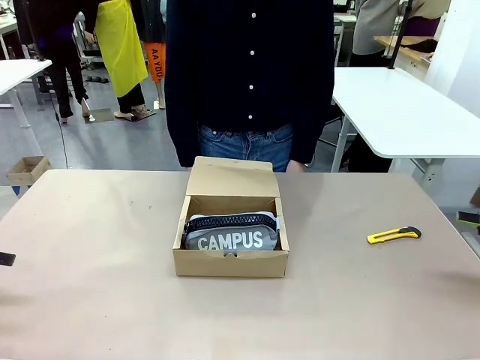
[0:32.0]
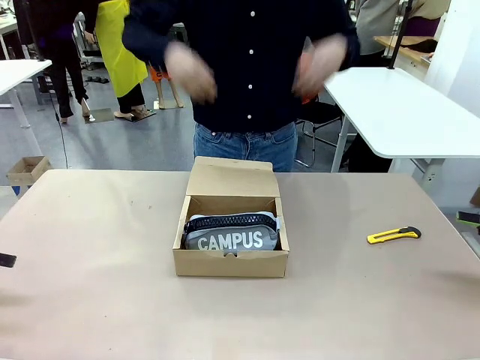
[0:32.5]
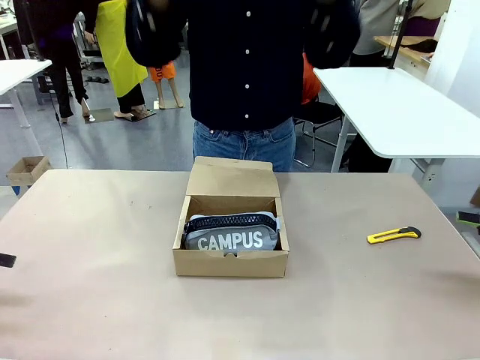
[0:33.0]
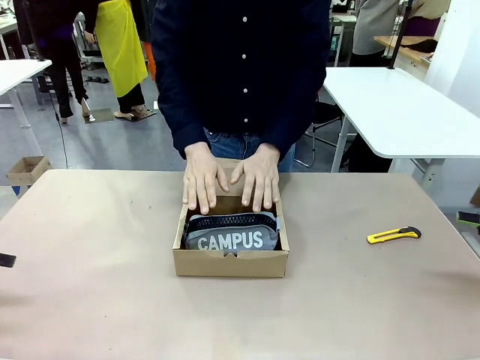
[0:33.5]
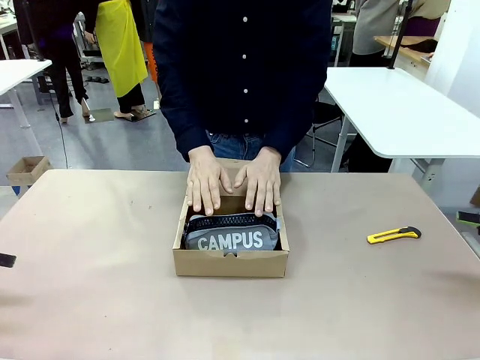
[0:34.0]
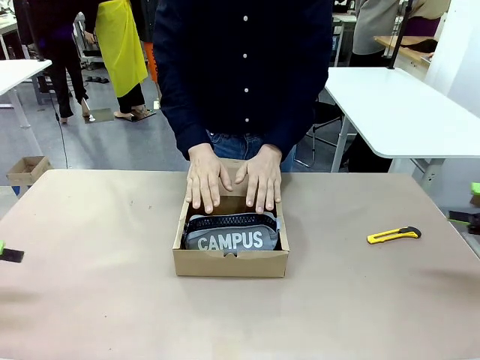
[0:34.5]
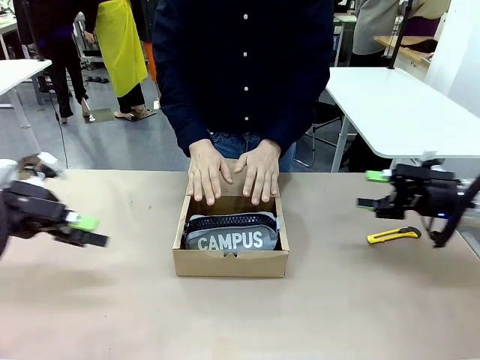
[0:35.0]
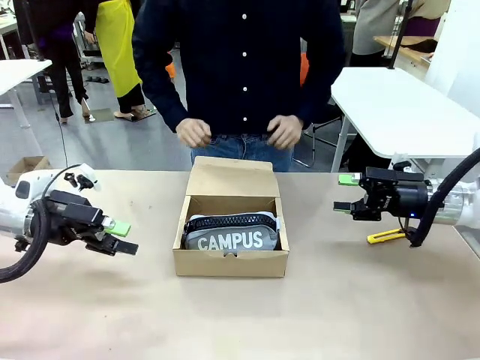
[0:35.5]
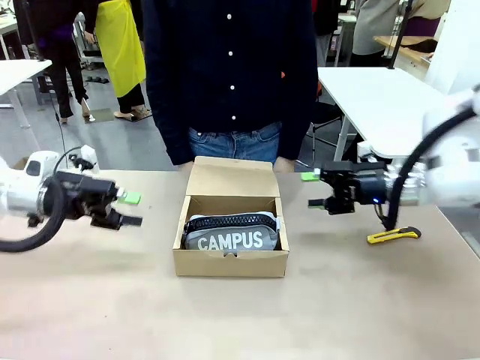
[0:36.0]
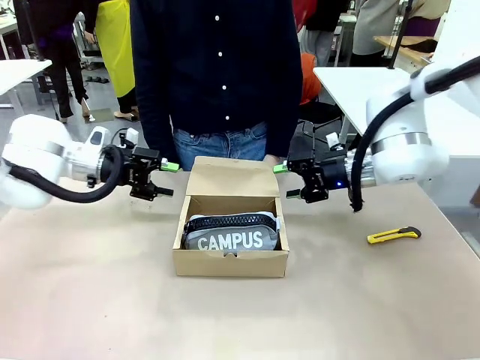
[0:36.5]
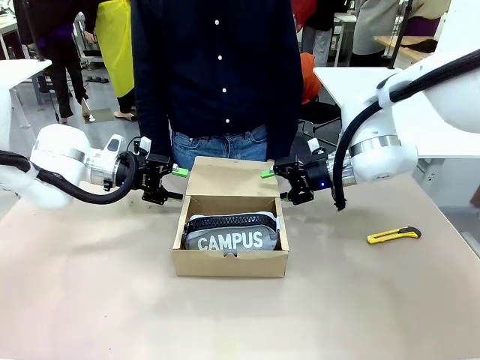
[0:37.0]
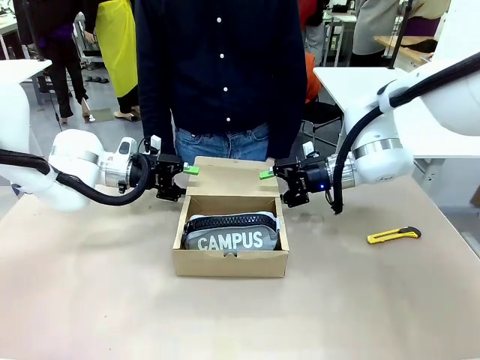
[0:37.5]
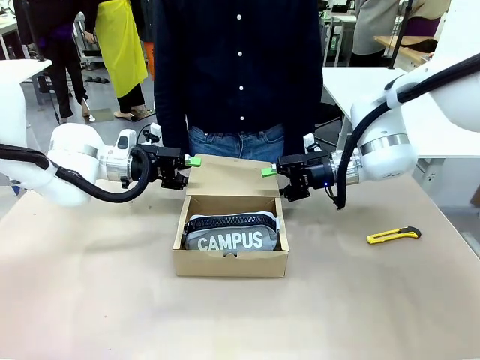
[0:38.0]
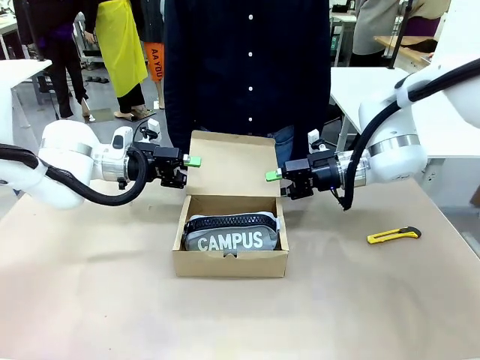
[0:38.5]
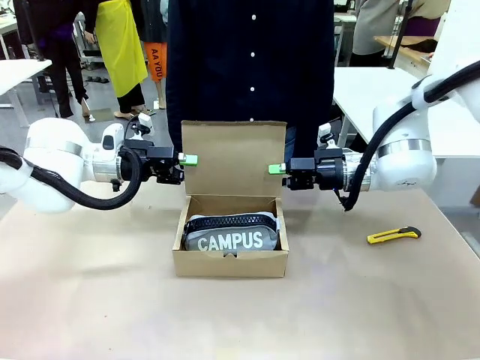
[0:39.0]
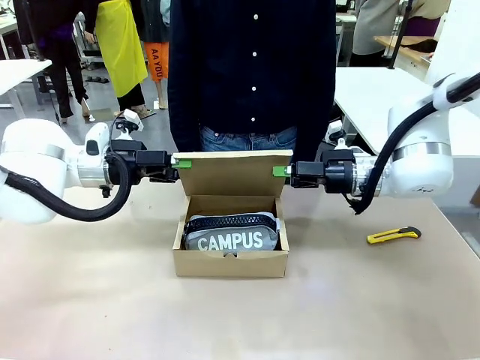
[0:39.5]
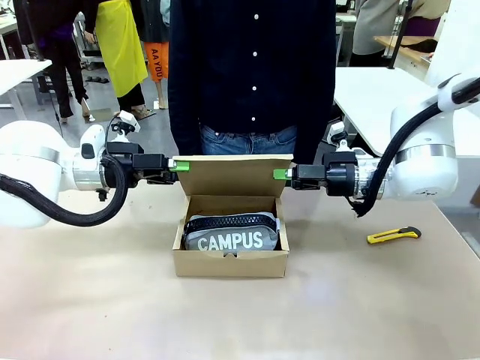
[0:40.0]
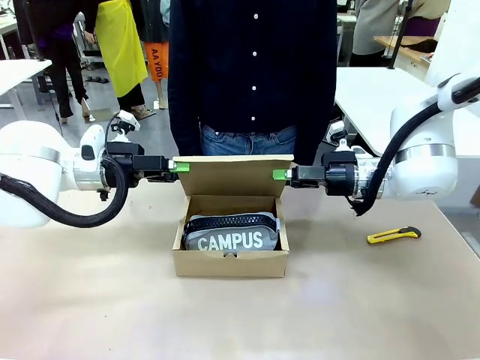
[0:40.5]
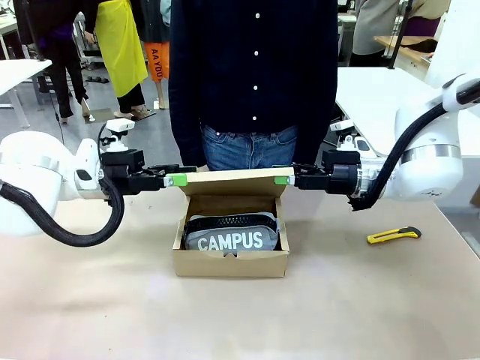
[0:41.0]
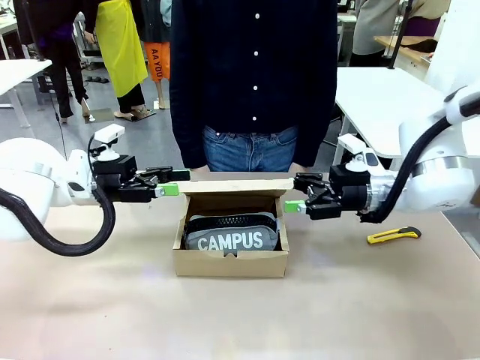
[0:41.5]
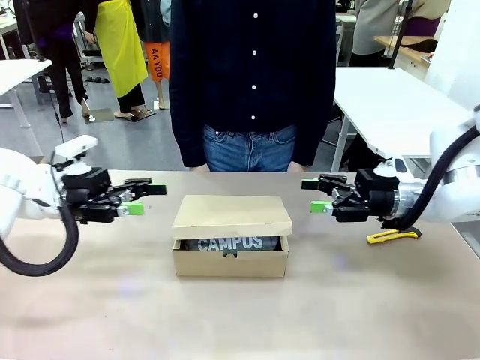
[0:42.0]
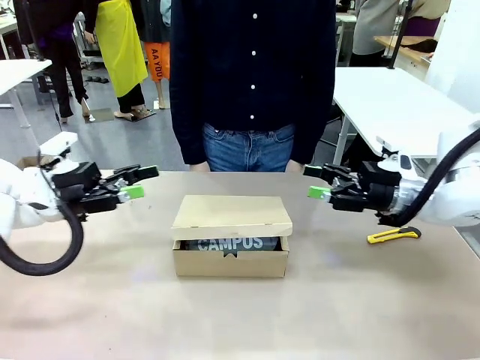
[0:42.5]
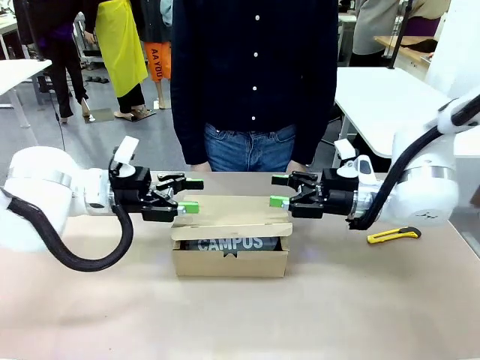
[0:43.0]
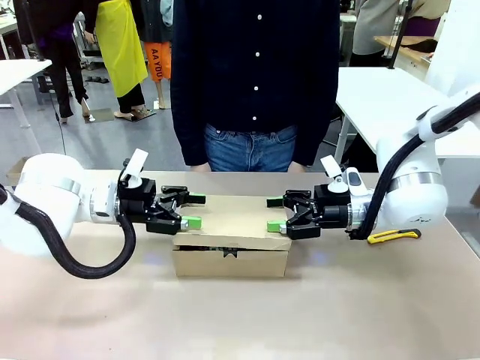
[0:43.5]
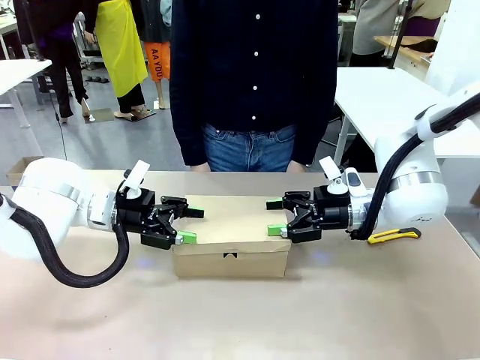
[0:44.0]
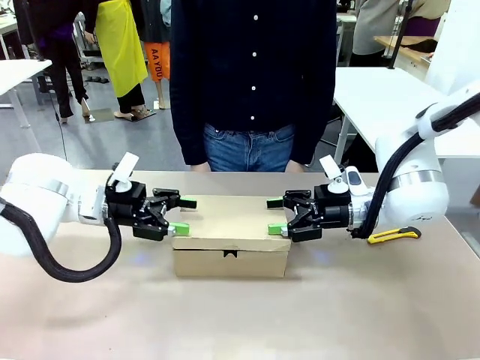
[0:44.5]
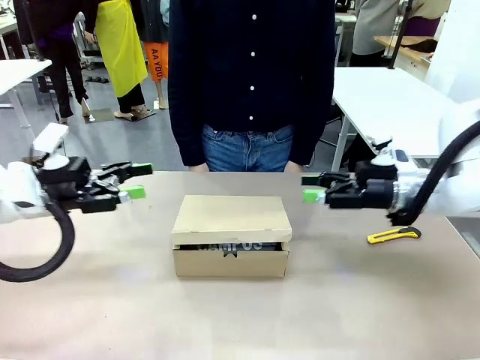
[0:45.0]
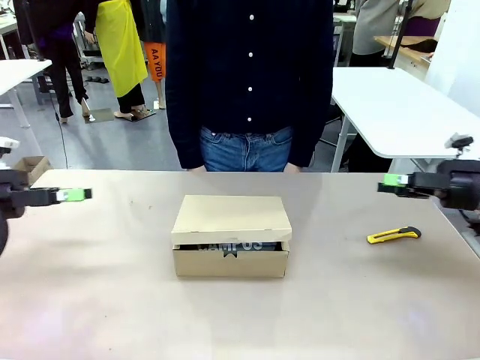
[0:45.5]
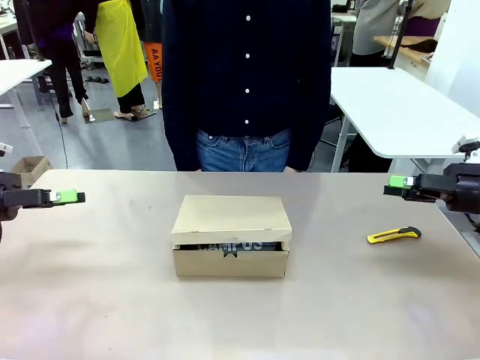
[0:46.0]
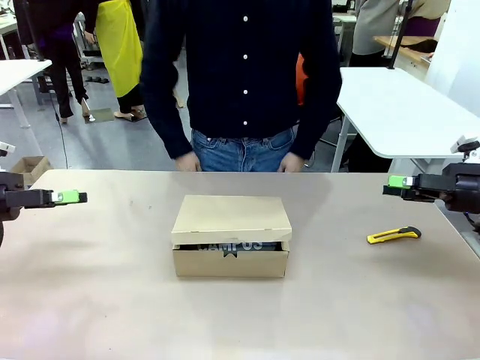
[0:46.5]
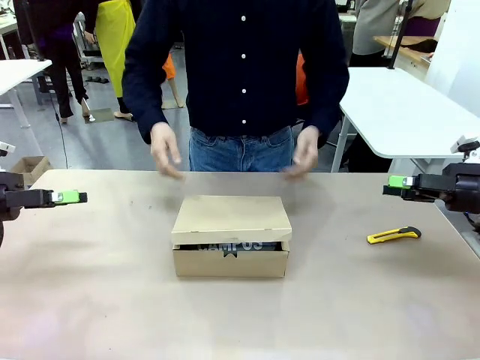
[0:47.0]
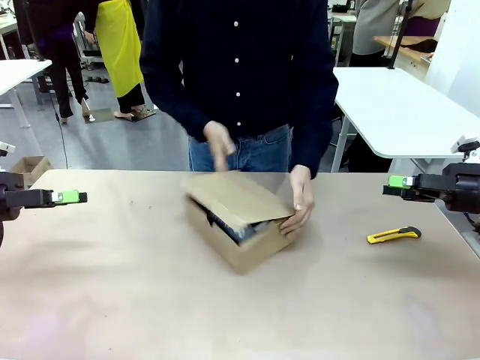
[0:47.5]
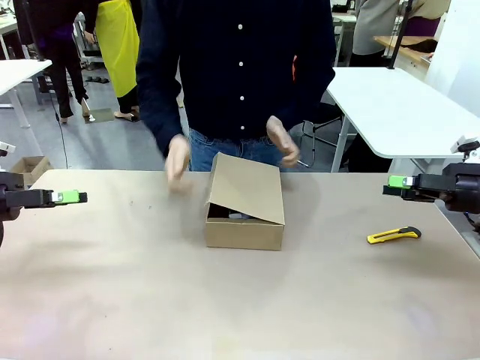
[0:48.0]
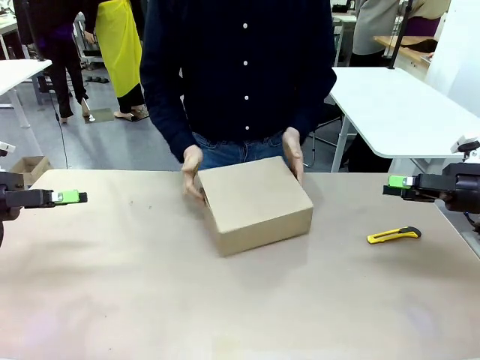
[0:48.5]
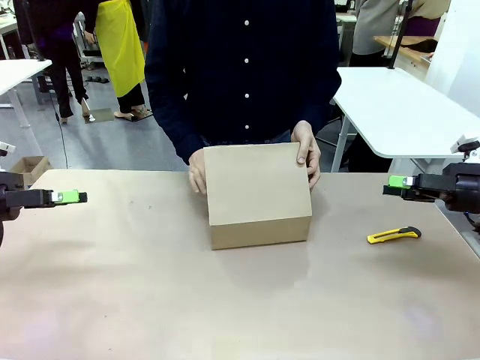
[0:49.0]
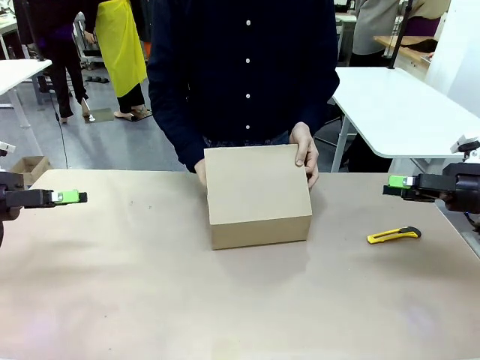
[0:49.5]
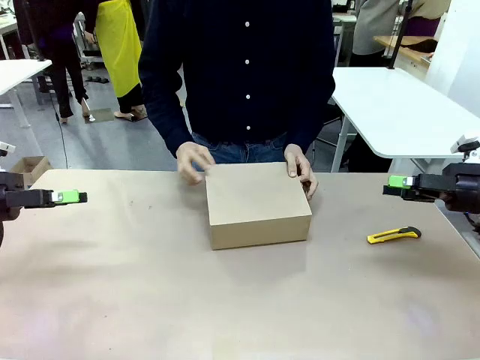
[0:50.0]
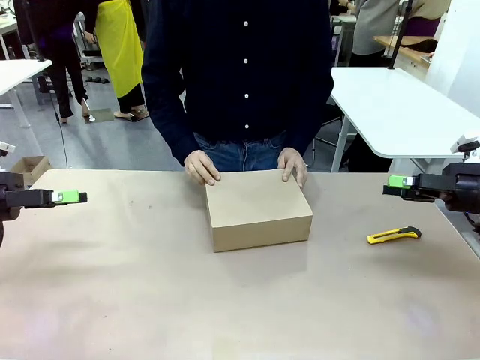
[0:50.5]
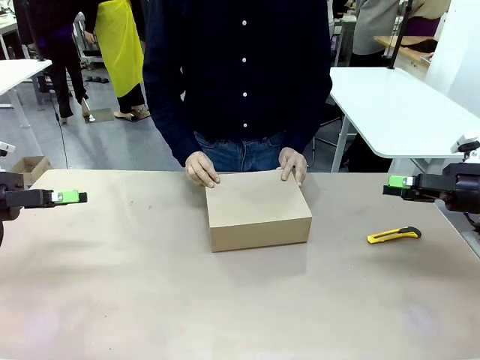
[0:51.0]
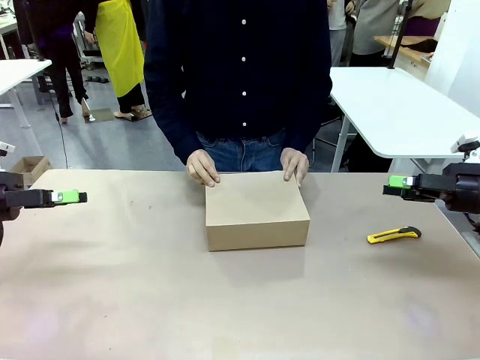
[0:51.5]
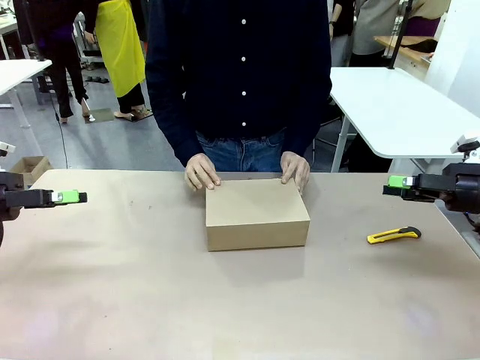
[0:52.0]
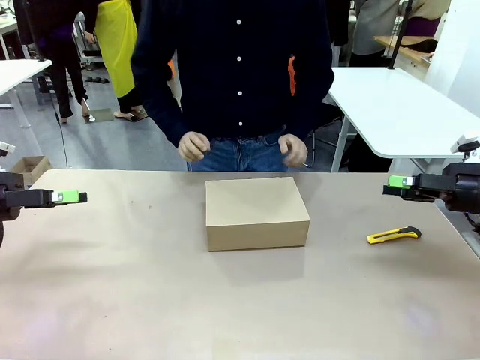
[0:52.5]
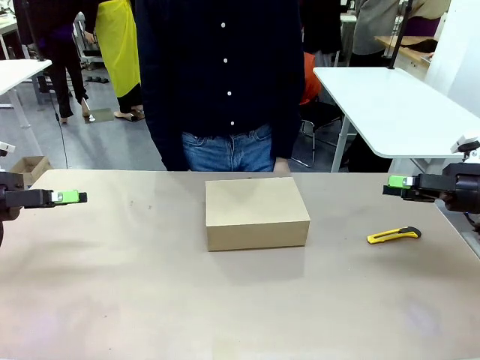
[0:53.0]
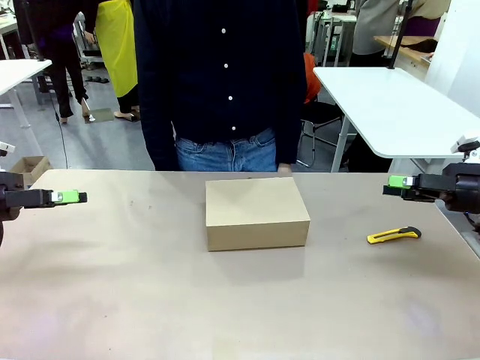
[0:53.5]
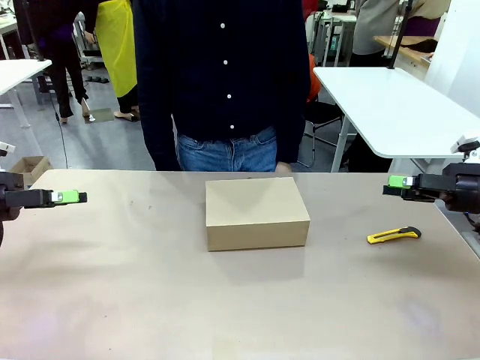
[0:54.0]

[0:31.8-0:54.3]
Task: Pack the items into the box.
Robot: Close the Mailer Box.
Person: Turn the box and lock it.
